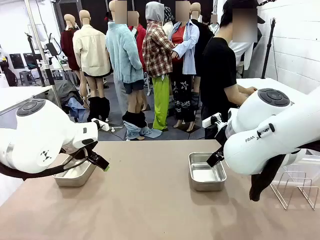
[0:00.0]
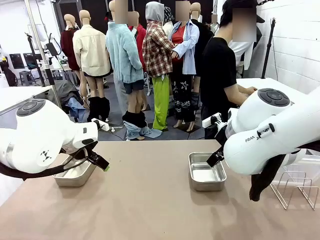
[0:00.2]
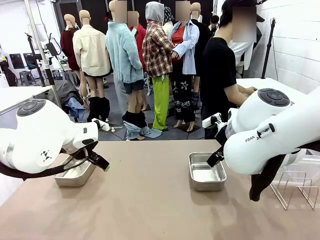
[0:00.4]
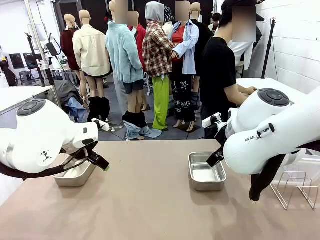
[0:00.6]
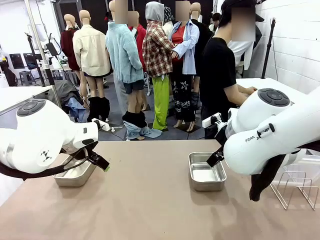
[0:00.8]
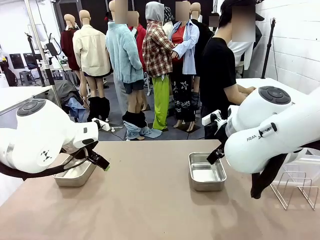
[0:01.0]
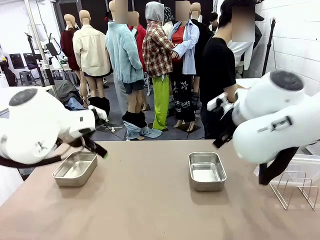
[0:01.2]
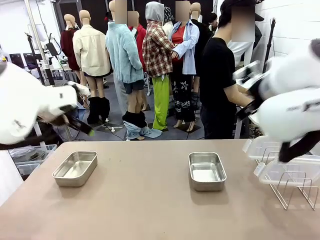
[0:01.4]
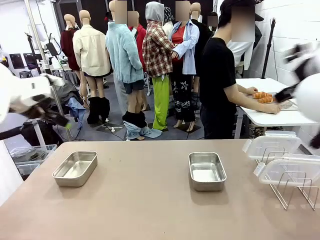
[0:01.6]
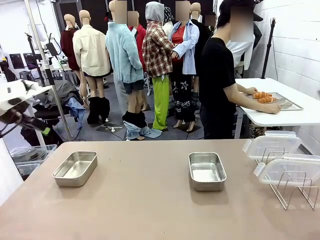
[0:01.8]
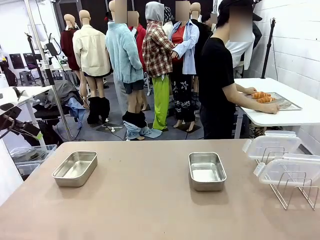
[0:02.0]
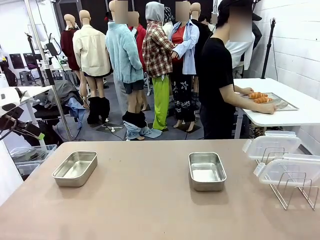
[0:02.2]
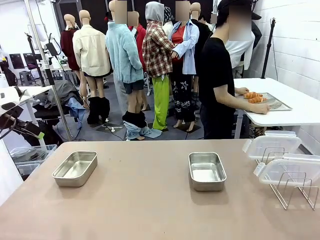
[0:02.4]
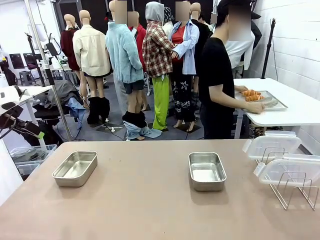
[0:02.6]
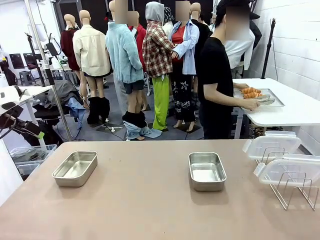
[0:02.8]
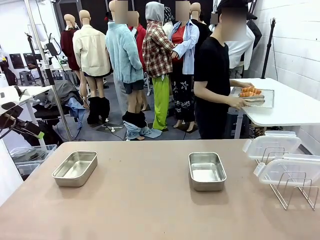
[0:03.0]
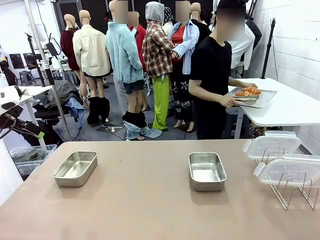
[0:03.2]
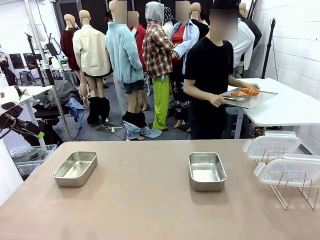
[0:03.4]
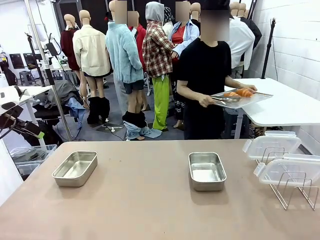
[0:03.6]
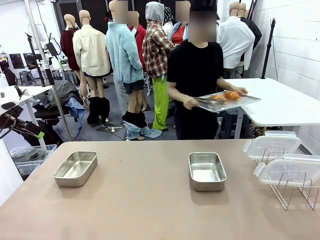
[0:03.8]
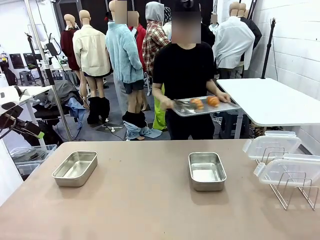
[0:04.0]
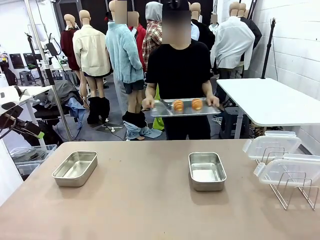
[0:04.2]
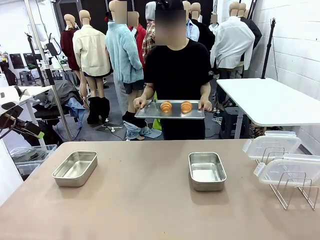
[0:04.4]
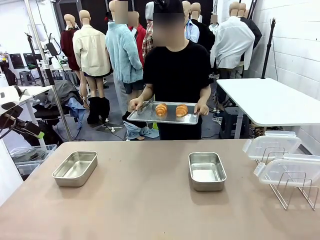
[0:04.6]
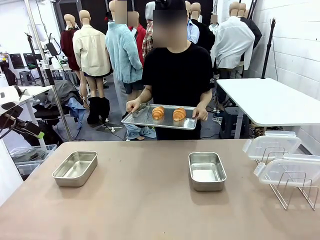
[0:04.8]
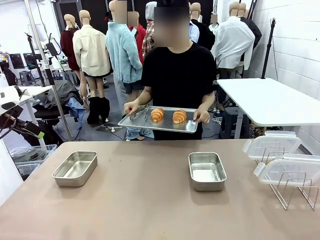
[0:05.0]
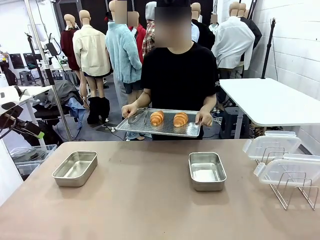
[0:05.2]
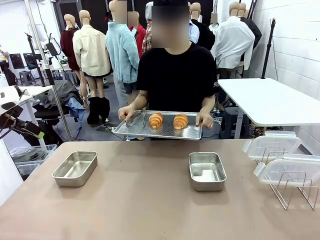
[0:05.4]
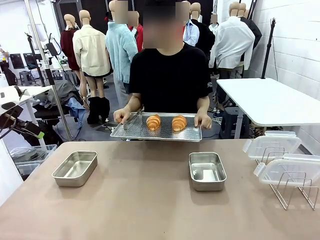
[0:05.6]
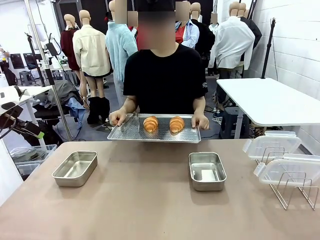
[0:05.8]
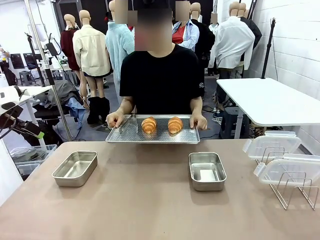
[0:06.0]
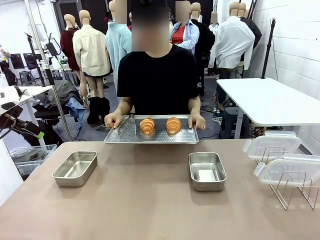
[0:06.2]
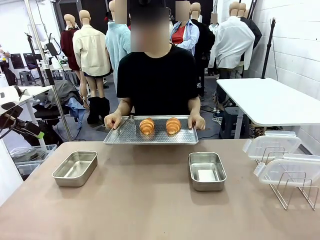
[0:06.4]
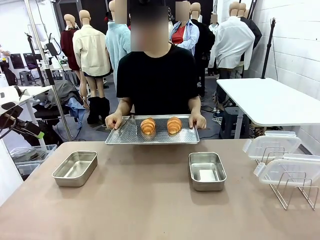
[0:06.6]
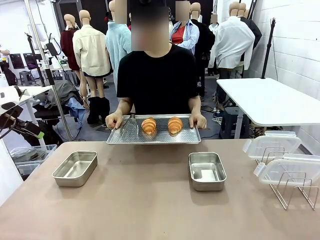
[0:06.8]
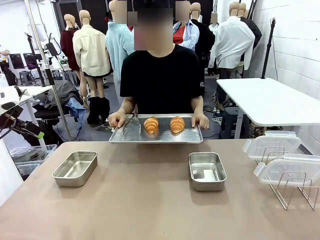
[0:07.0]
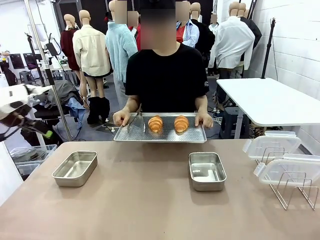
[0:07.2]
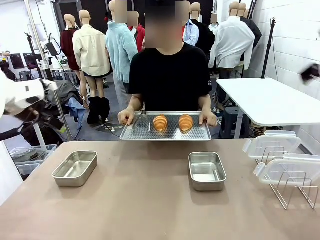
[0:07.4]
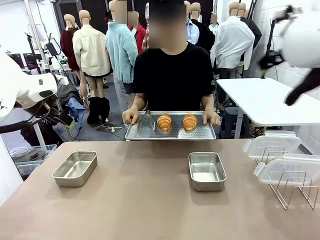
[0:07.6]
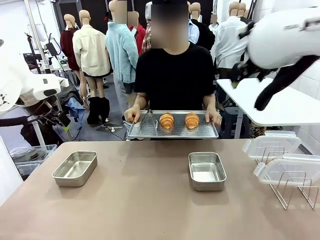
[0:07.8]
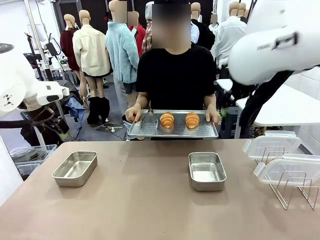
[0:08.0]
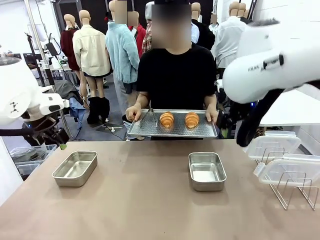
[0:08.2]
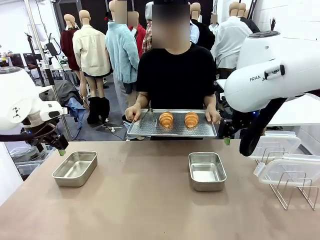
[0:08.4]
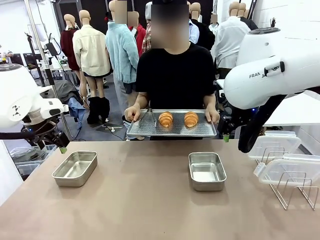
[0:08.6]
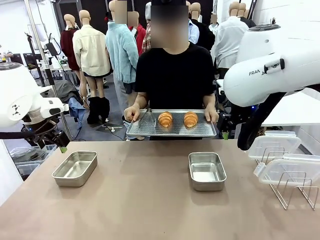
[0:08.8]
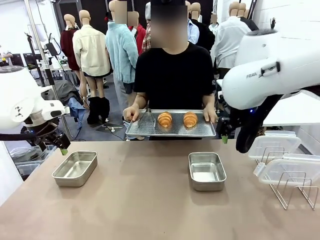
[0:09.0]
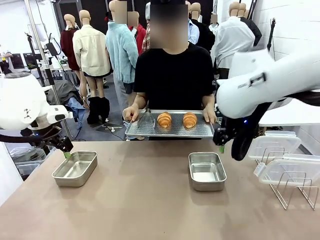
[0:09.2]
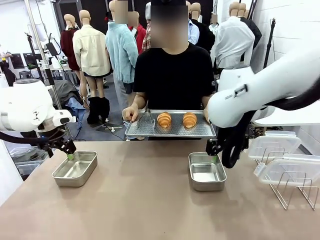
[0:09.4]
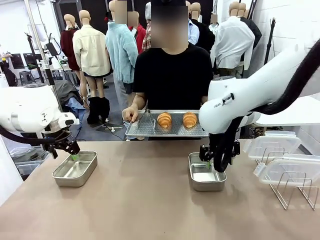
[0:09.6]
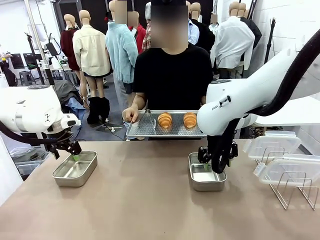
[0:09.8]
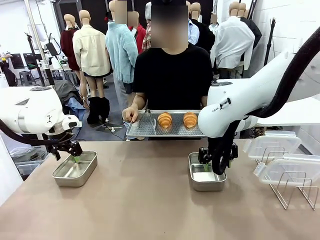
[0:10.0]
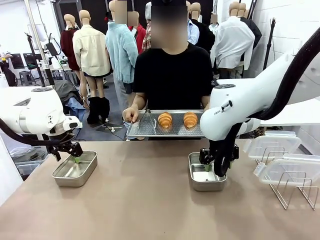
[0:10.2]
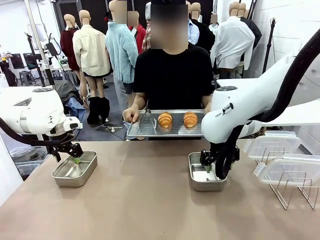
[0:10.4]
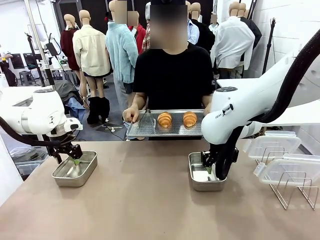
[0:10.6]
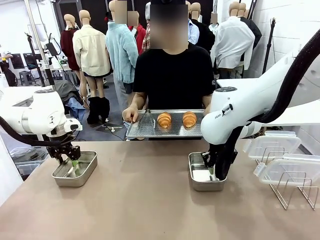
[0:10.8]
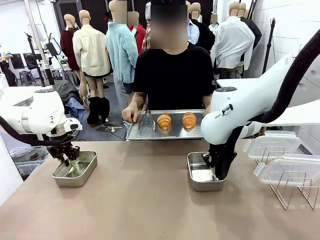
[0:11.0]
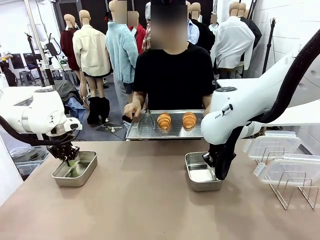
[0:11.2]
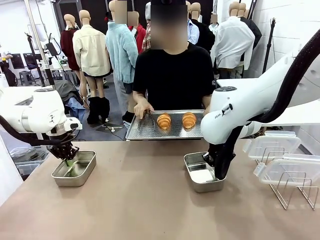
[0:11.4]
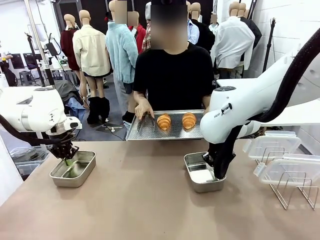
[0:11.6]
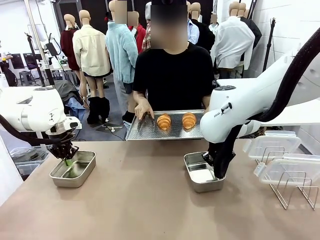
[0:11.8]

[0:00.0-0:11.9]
Task: Place the bread in airtight containers.
Robot: Lift both Airtight Container.
Person: Bring the Baking Sheet in front of Robot's Table.

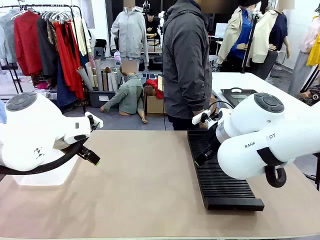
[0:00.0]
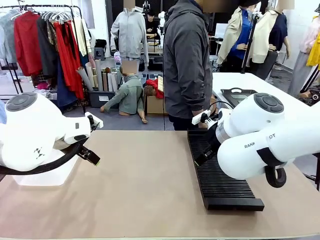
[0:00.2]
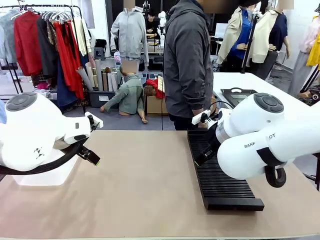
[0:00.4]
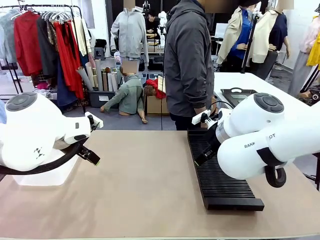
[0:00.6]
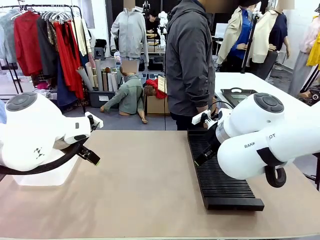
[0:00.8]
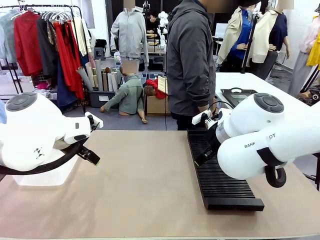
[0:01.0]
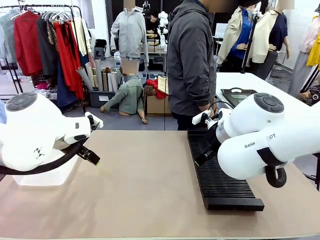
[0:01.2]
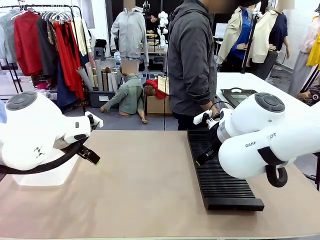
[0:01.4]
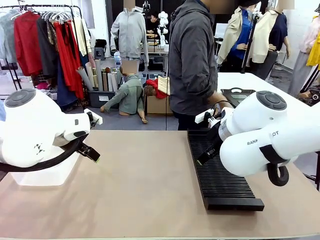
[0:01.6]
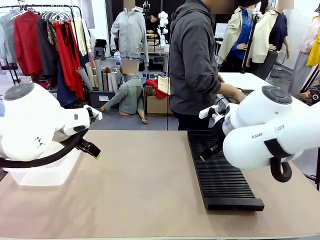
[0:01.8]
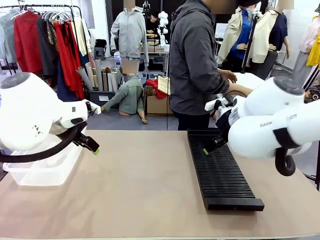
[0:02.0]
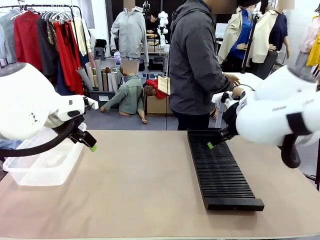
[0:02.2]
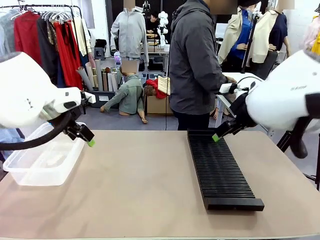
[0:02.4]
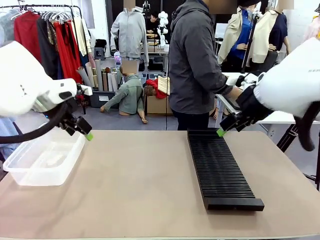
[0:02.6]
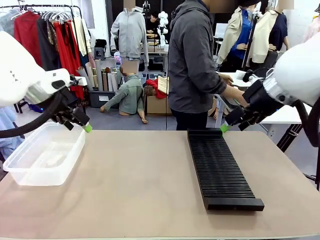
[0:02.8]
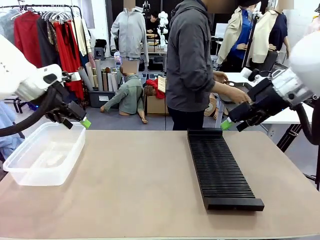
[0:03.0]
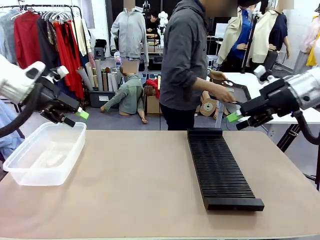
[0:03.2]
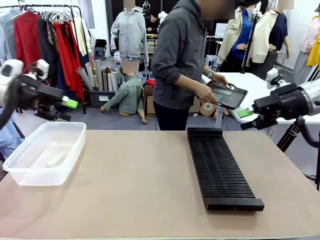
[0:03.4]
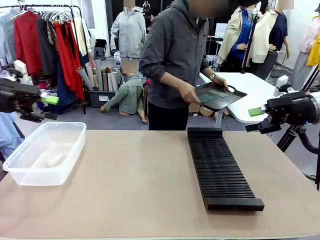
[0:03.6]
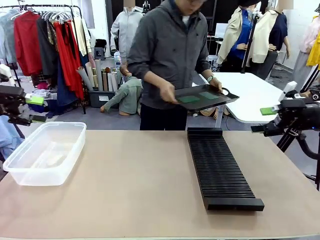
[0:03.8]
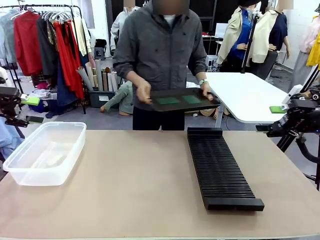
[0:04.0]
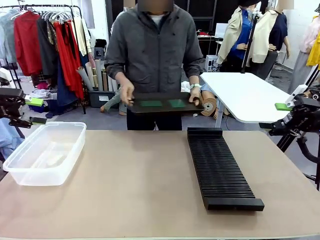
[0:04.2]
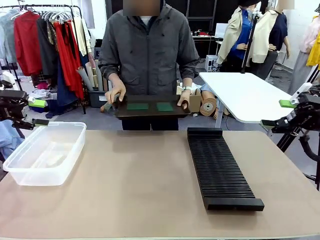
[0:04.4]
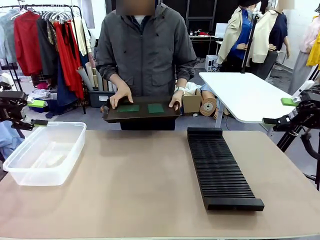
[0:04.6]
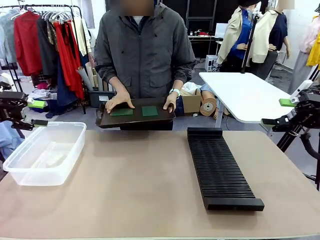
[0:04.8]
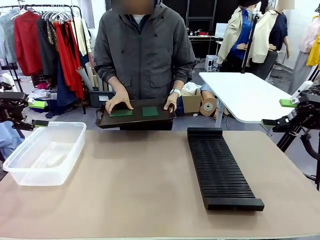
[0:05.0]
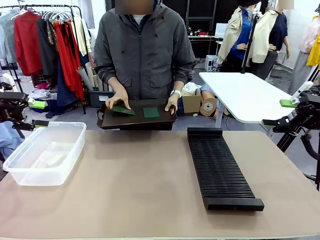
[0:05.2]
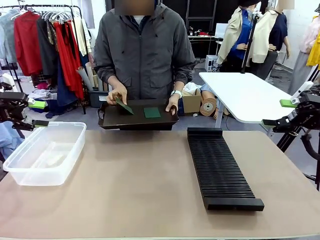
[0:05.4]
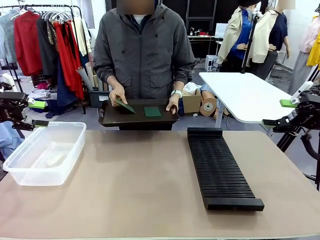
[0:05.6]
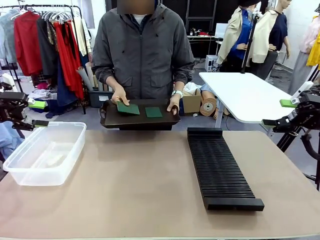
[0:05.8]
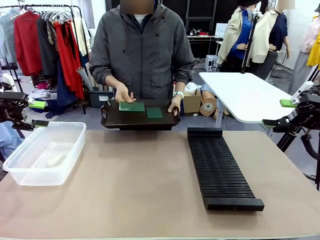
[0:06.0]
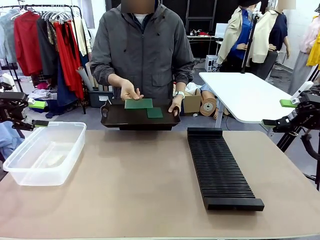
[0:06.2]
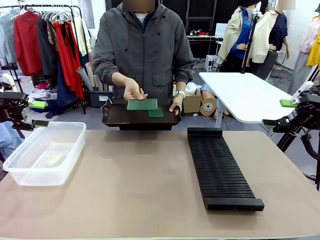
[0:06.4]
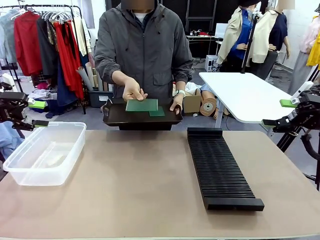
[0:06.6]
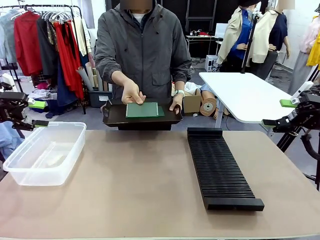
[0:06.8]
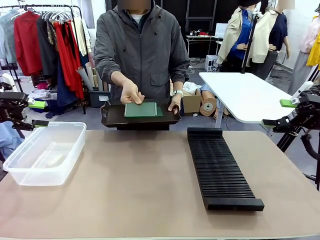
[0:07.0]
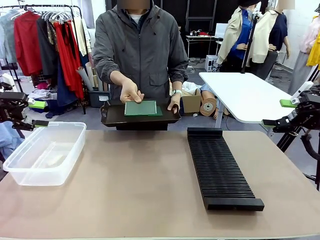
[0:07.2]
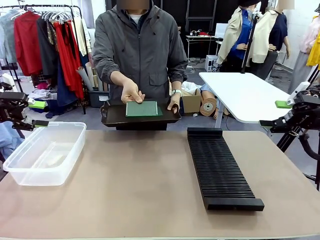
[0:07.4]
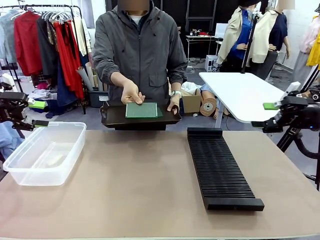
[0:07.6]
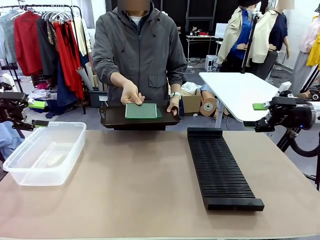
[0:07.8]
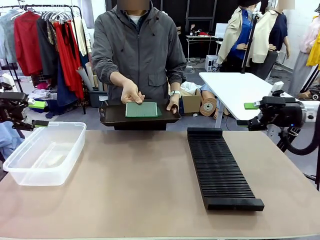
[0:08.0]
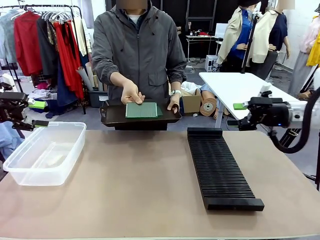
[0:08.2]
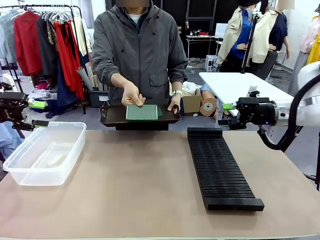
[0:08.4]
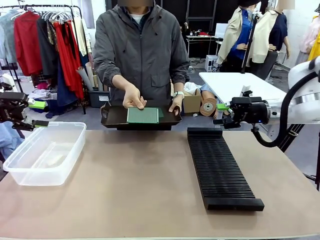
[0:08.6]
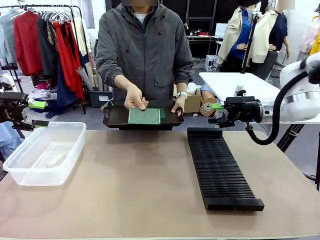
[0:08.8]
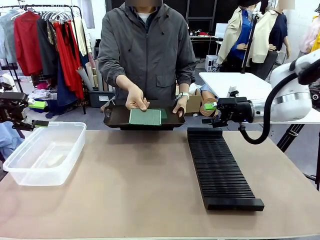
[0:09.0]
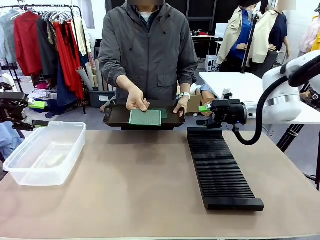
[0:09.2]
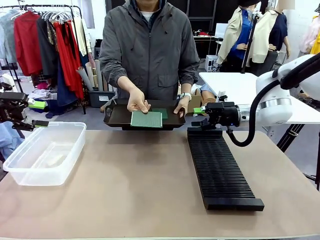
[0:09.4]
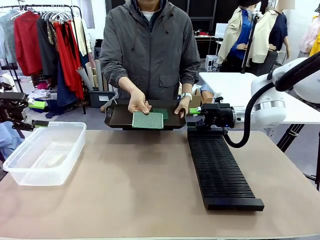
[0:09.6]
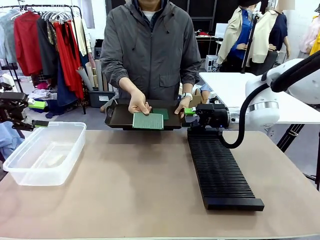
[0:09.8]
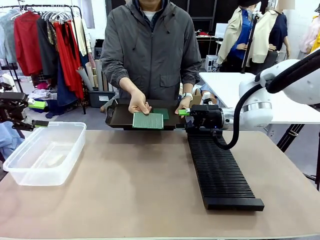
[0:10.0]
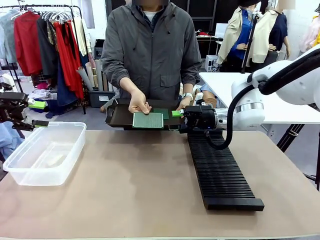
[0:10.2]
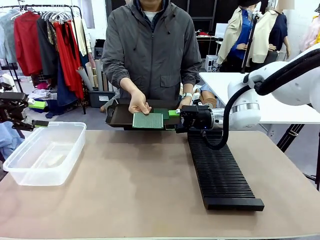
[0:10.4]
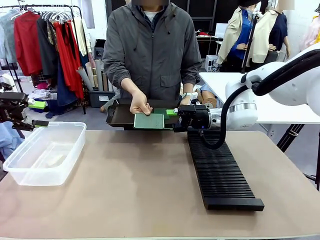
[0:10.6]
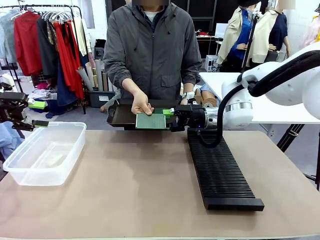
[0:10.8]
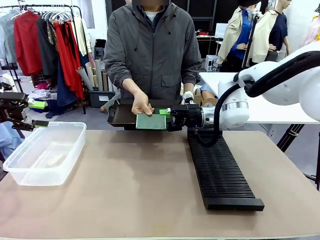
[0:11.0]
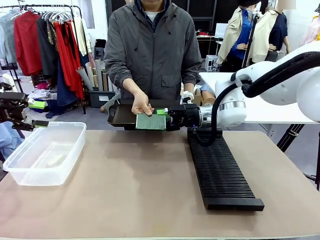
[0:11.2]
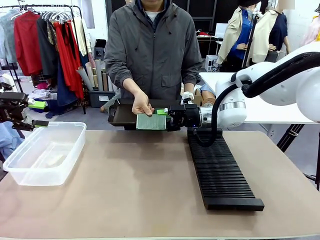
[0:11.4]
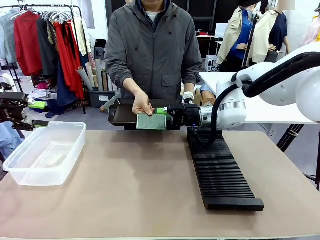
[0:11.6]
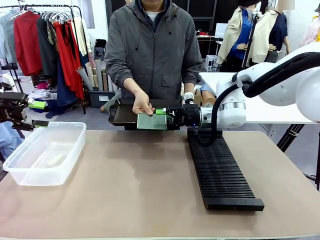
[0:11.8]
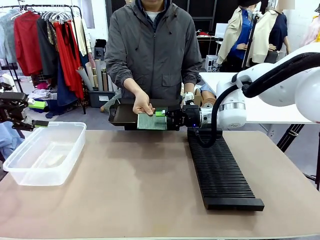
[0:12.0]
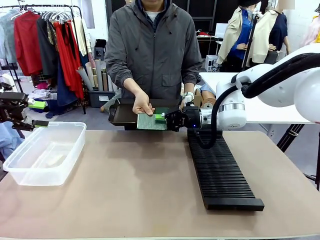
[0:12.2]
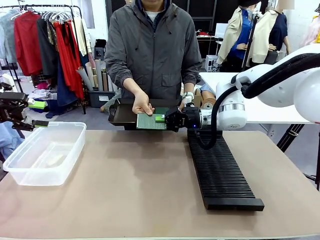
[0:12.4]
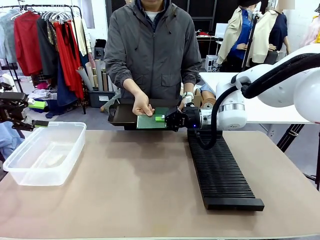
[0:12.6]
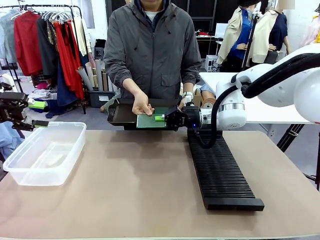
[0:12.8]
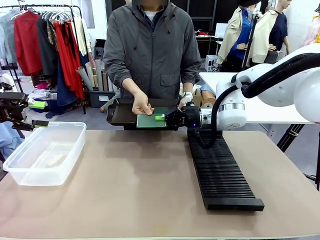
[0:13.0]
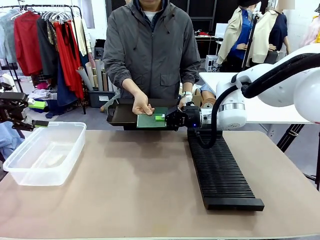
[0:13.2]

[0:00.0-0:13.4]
Task: Sort PCBs into racks and boxes based on the side picked up.
Robot: Pick up the Blank PCB handed by the Human.
Person: Pick one PCB from the tray and present it to the robot. Release the PCB being held.
